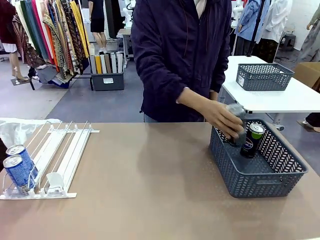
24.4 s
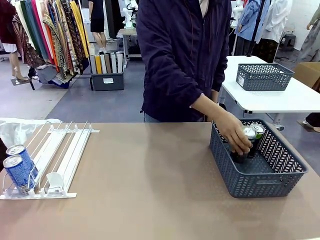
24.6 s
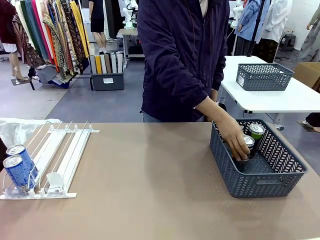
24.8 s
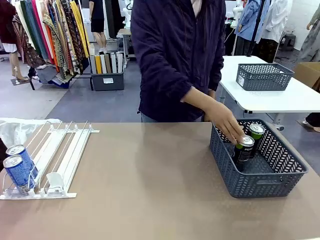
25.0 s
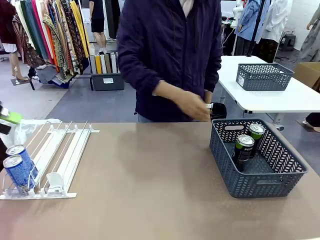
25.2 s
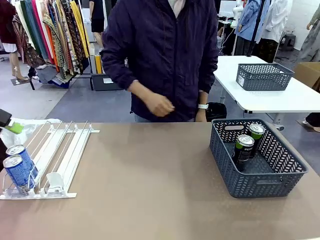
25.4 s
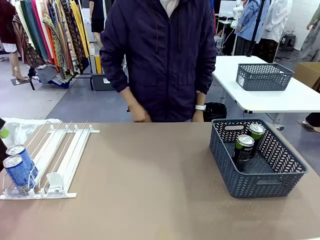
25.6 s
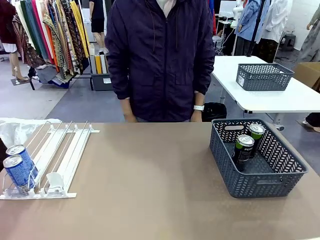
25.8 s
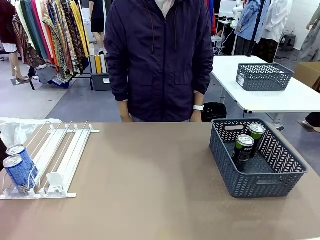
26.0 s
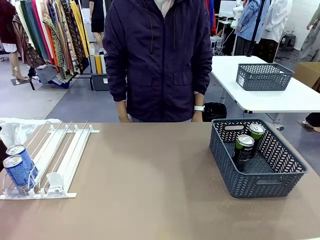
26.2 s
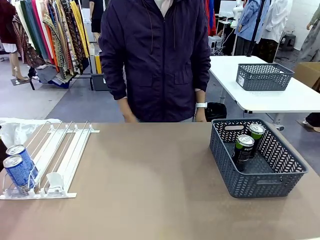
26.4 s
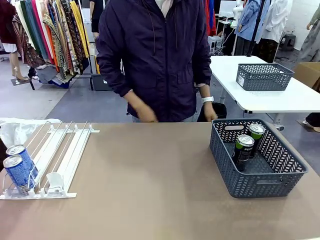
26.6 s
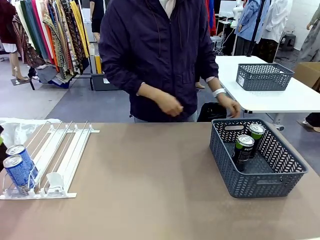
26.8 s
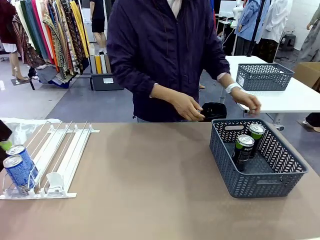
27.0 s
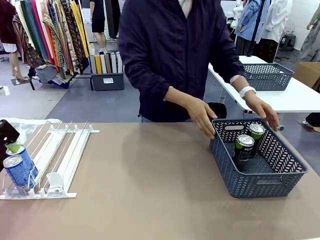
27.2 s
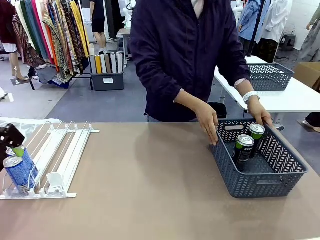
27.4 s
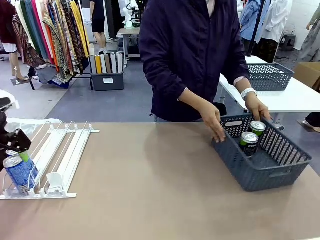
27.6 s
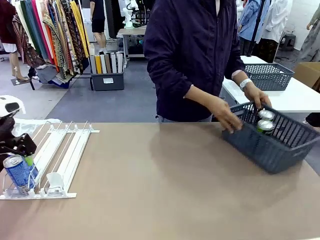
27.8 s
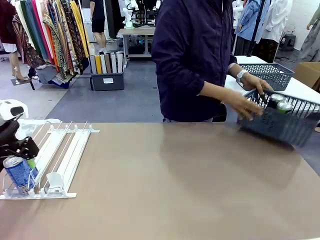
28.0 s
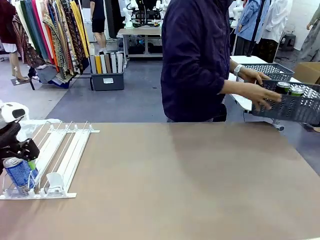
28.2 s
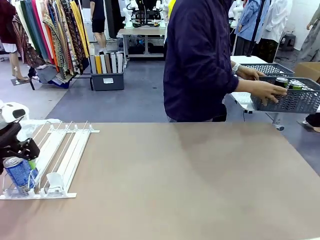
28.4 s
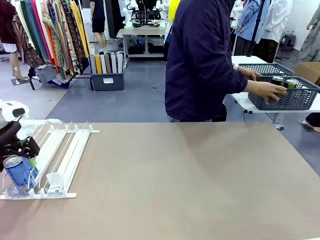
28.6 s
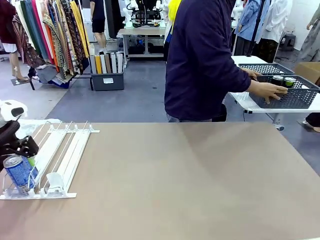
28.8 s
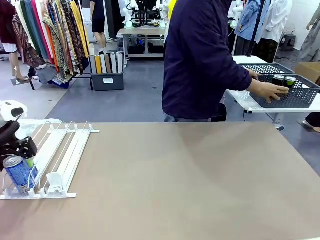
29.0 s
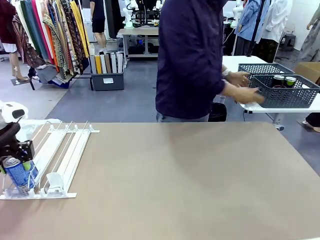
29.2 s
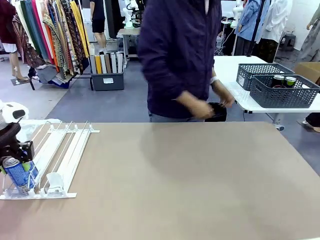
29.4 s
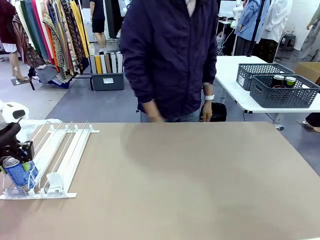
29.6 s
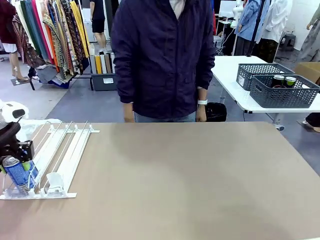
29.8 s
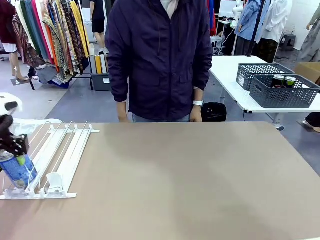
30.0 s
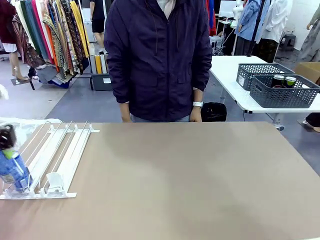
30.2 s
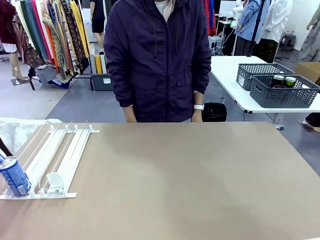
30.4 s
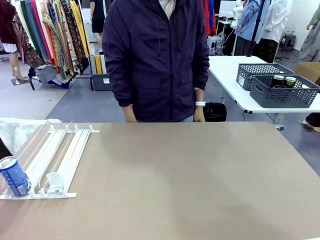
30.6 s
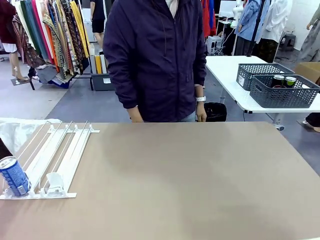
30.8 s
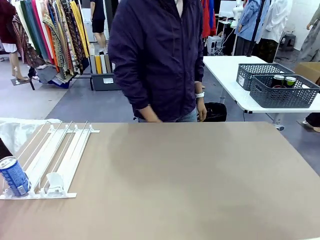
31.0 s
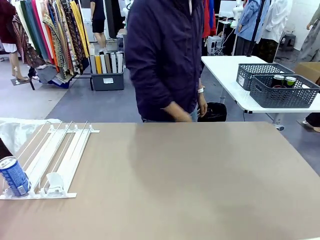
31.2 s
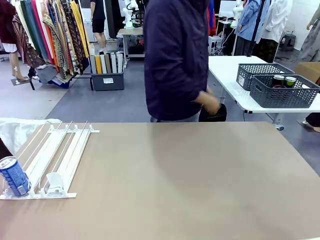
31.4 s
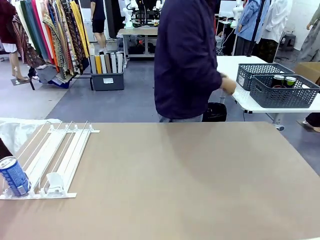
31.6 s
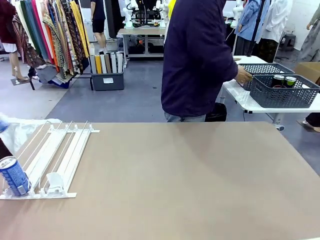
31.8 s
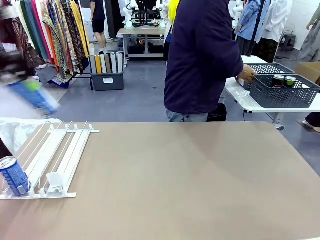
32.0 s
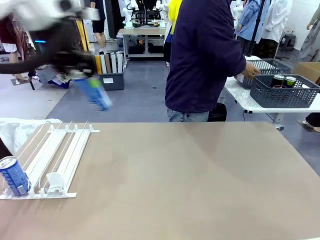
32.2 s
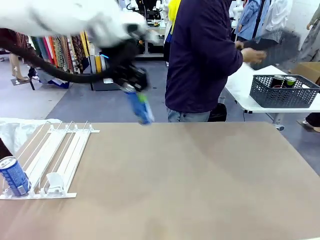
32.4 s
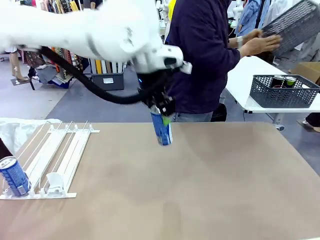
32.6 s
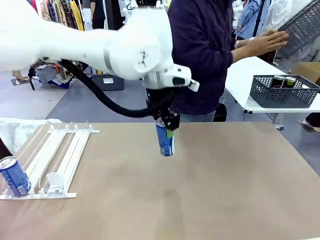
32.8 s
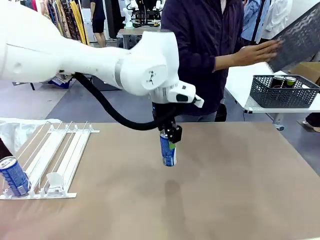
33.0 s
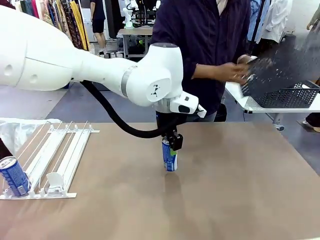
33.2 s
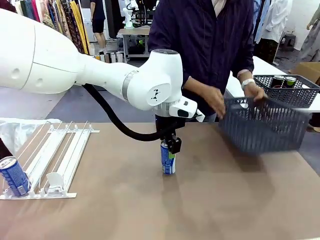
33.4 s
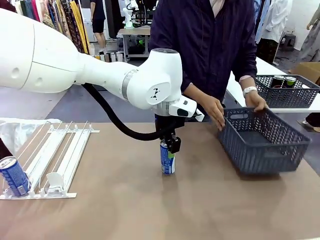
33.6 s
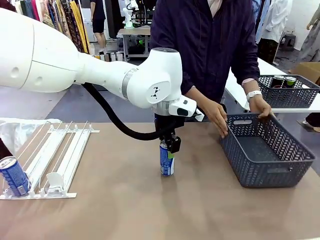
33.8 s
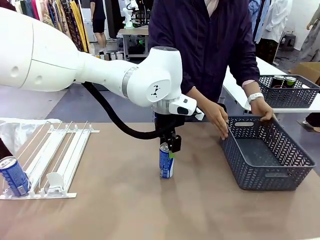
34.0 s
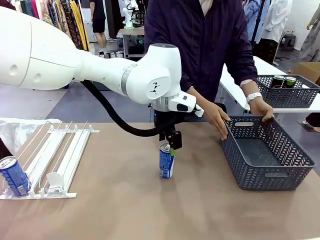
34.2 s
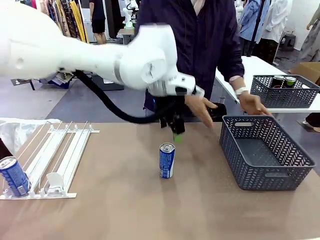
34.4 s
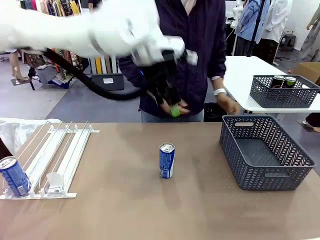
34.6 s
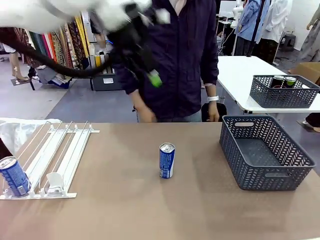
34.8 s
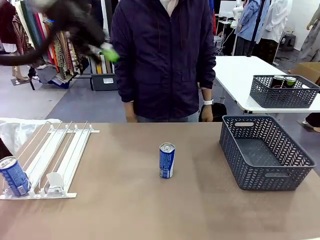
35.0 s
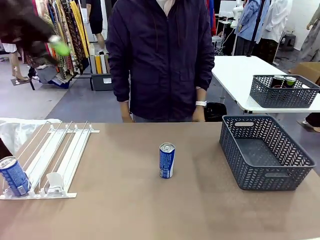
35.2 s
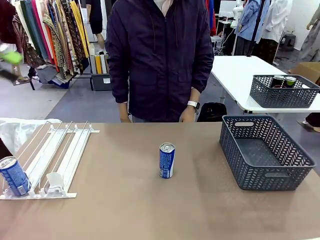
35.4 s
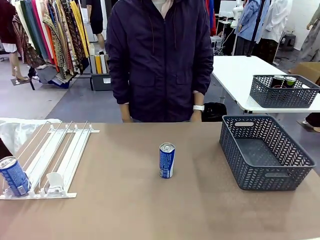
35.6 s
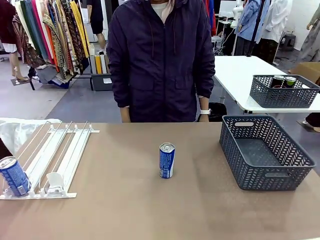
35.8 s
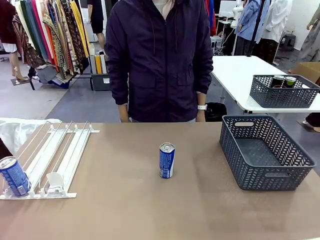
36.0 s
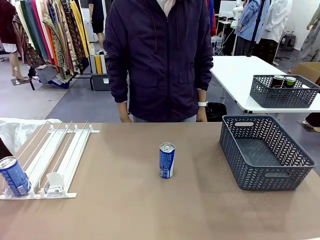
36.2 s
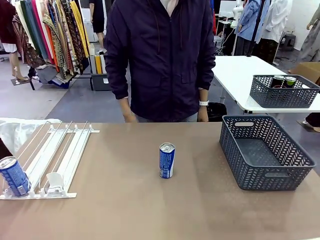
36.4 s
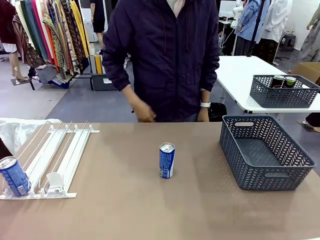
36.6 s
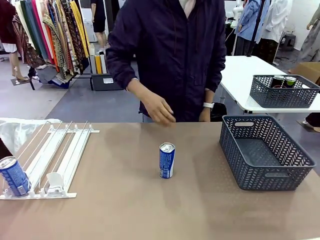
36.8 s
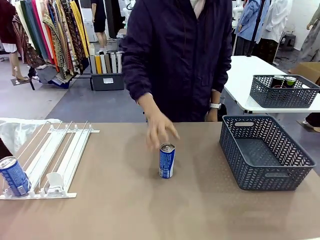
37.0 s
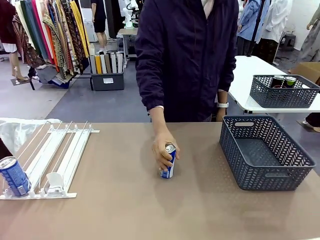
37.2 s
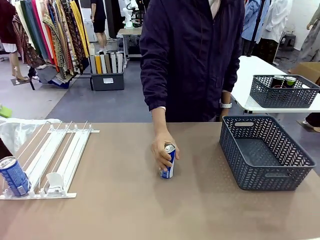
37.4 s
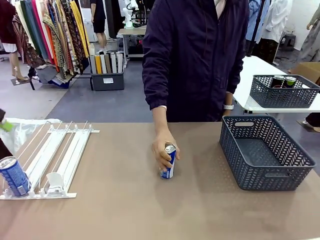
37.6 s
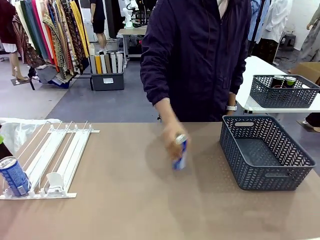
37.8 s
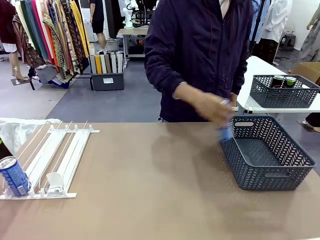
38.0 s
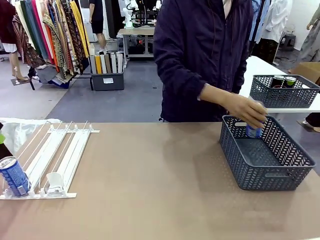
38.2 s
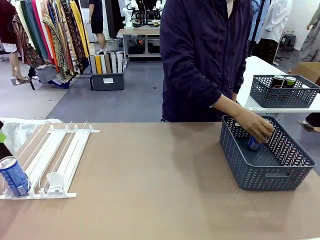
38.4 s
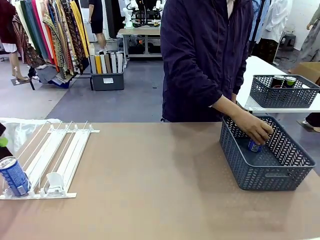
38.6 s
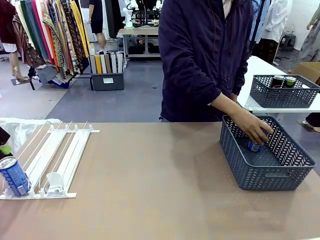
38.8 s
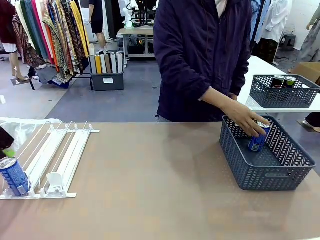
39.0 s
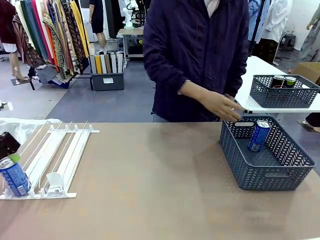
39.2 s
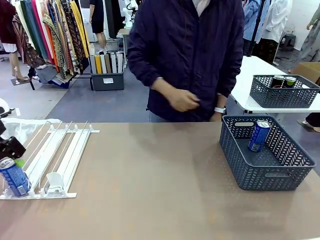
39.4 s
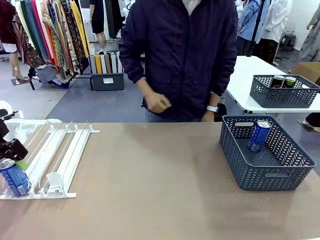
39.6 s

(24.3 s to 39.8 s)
Task: Retrieve and store the cans from the dispenser.
Robot: Pick up one can from the Automatic Can Dispenser and place it in the middle of the table.
Person: Pick up the basket and place it in the middle of the human table. Pick up the empty basket and place it on the left side of the robot table.
